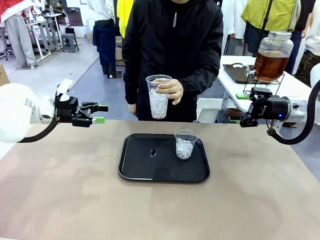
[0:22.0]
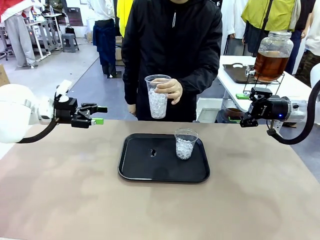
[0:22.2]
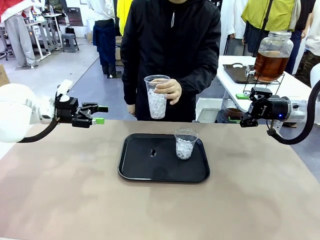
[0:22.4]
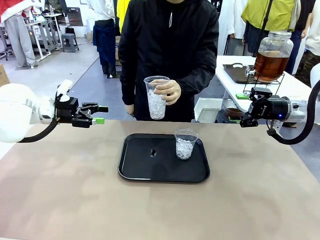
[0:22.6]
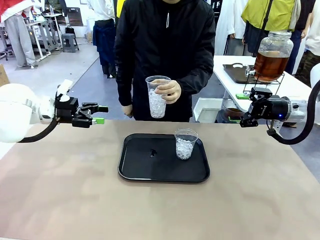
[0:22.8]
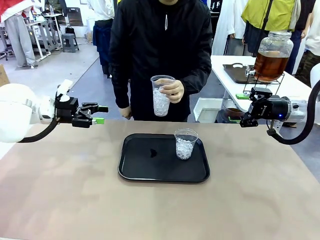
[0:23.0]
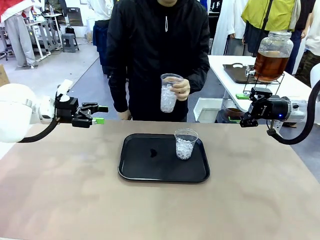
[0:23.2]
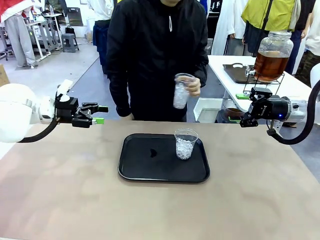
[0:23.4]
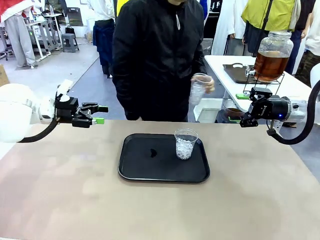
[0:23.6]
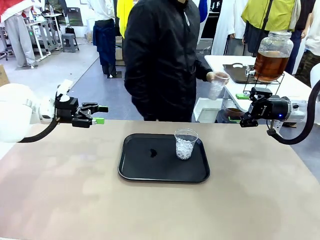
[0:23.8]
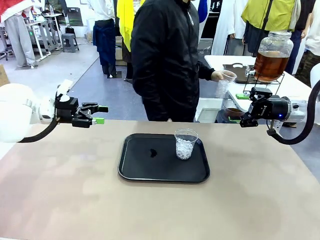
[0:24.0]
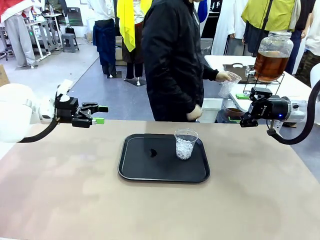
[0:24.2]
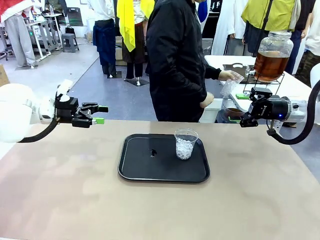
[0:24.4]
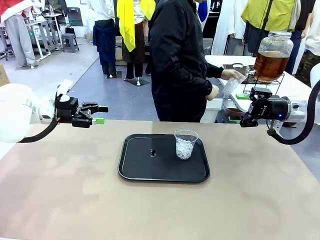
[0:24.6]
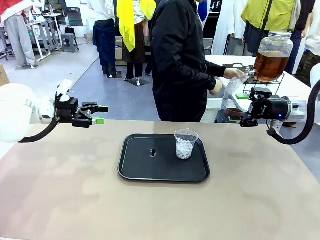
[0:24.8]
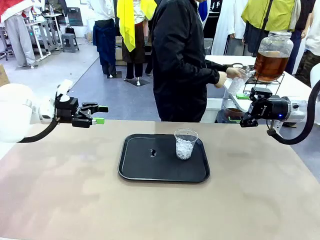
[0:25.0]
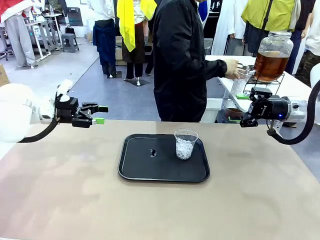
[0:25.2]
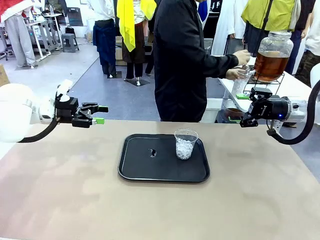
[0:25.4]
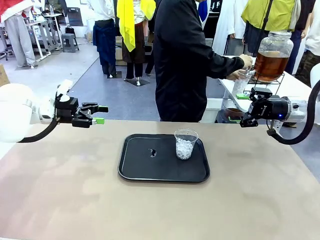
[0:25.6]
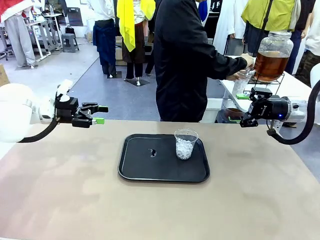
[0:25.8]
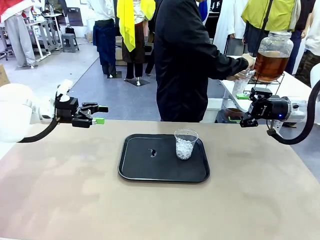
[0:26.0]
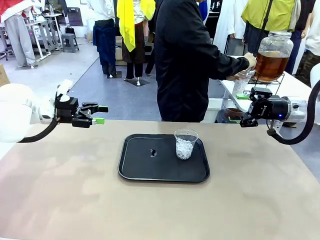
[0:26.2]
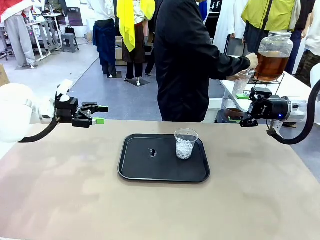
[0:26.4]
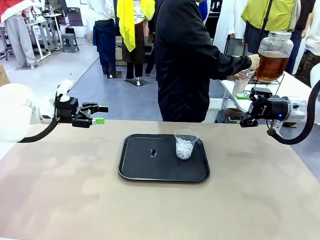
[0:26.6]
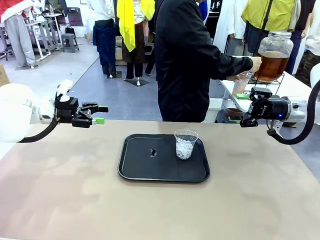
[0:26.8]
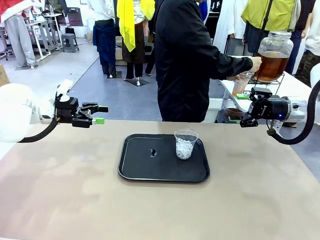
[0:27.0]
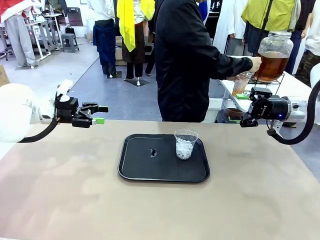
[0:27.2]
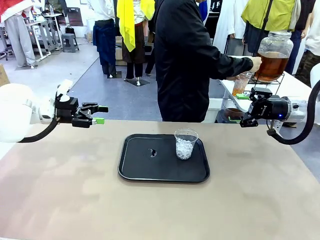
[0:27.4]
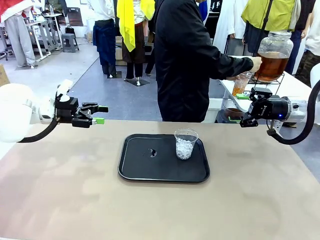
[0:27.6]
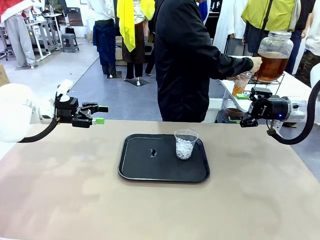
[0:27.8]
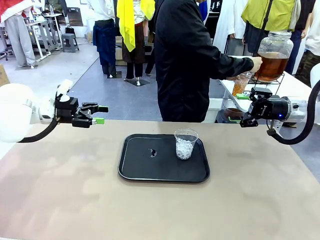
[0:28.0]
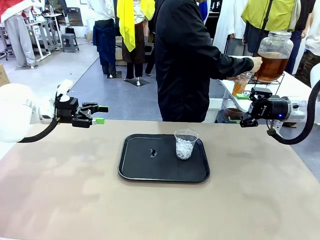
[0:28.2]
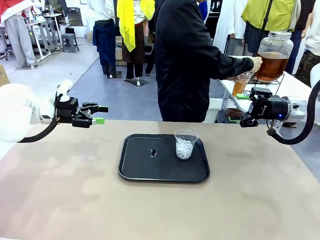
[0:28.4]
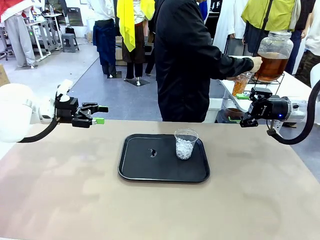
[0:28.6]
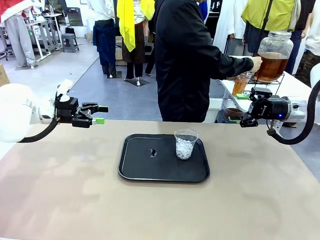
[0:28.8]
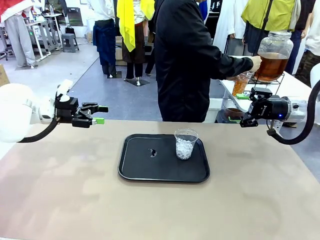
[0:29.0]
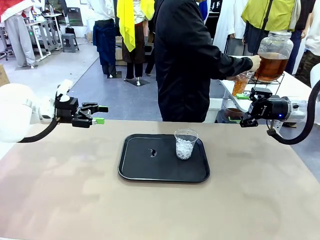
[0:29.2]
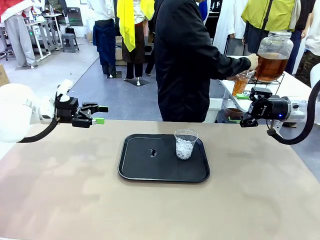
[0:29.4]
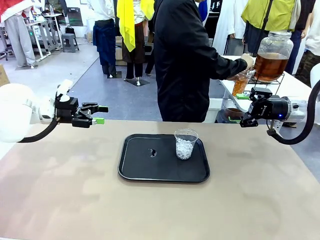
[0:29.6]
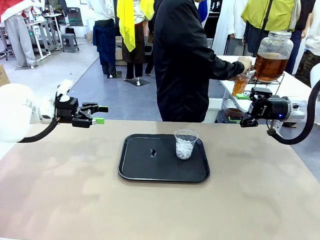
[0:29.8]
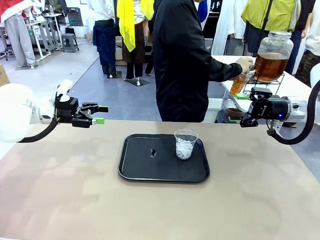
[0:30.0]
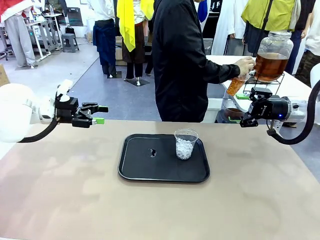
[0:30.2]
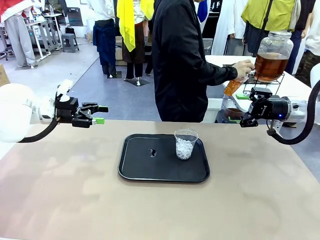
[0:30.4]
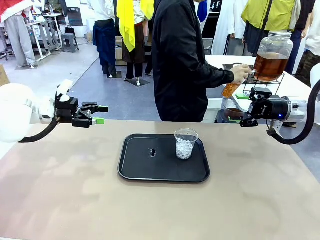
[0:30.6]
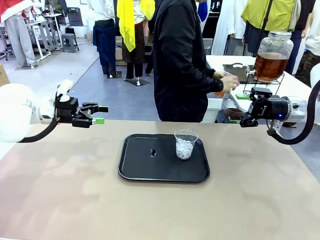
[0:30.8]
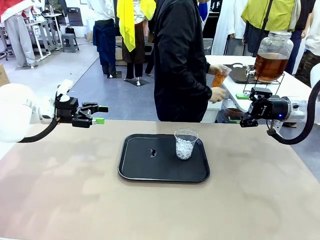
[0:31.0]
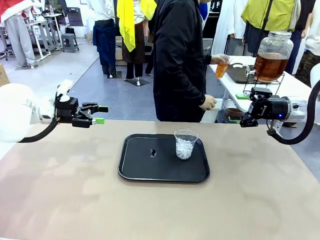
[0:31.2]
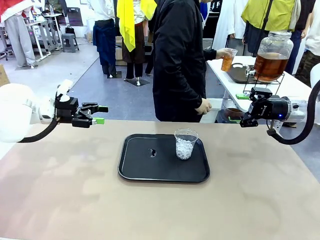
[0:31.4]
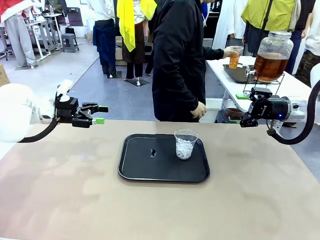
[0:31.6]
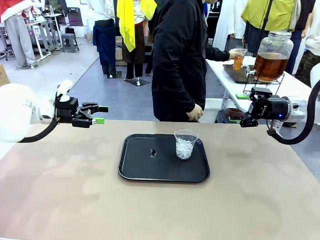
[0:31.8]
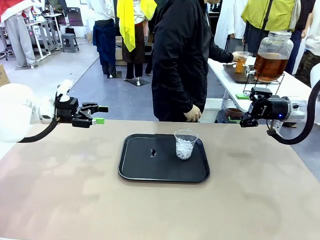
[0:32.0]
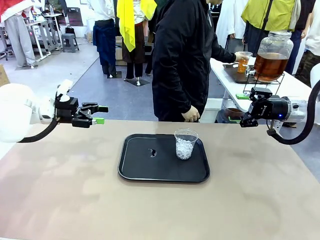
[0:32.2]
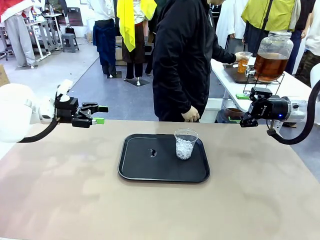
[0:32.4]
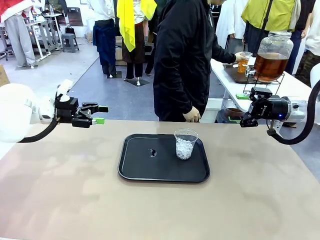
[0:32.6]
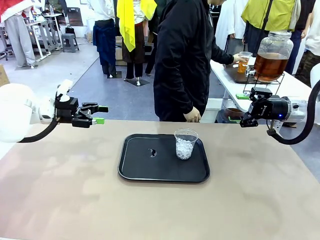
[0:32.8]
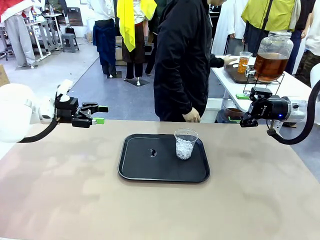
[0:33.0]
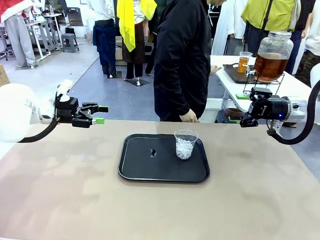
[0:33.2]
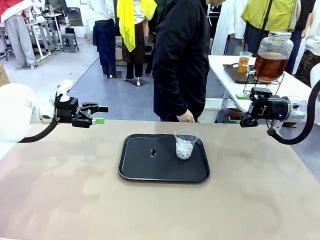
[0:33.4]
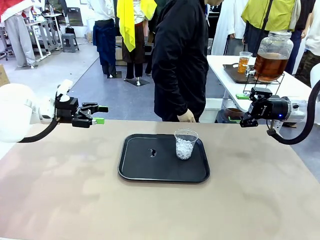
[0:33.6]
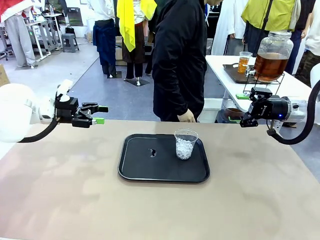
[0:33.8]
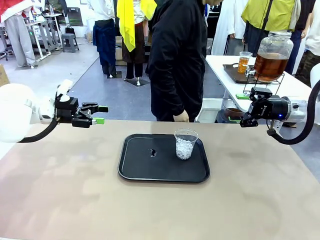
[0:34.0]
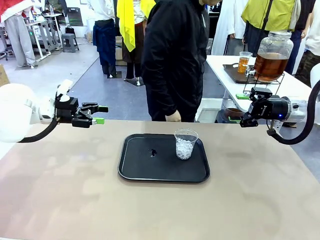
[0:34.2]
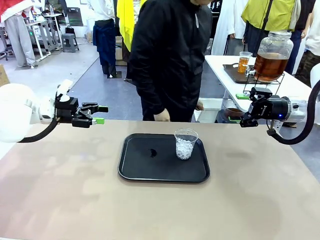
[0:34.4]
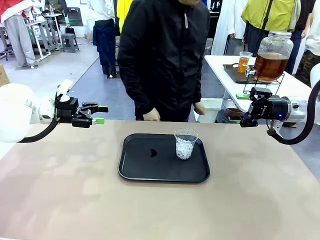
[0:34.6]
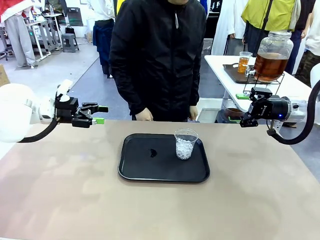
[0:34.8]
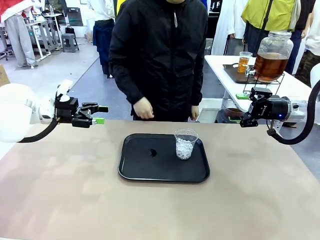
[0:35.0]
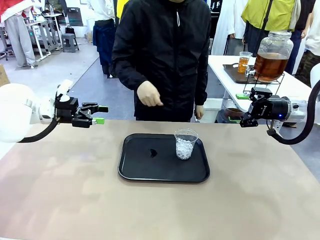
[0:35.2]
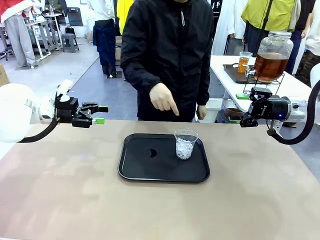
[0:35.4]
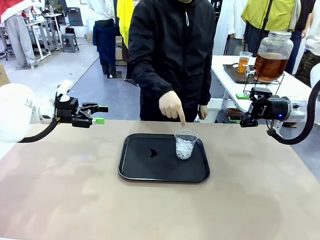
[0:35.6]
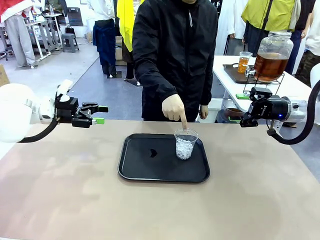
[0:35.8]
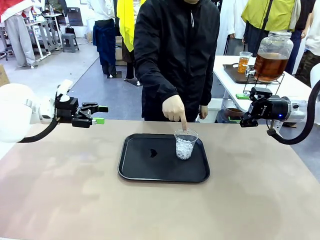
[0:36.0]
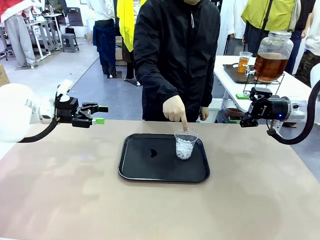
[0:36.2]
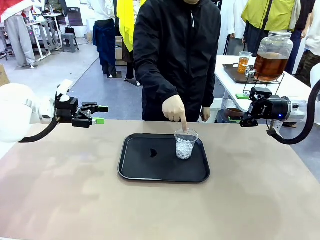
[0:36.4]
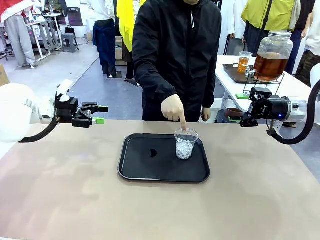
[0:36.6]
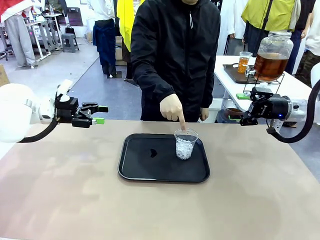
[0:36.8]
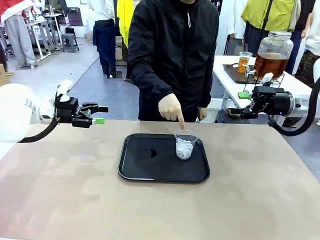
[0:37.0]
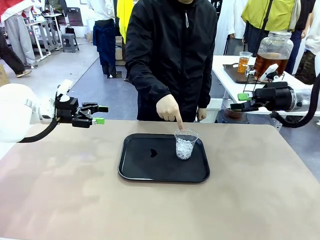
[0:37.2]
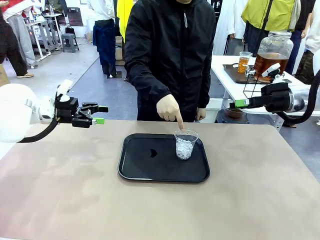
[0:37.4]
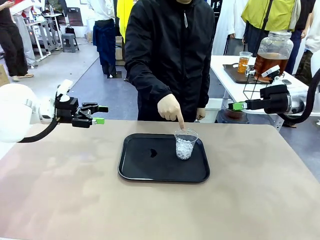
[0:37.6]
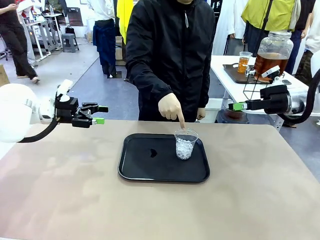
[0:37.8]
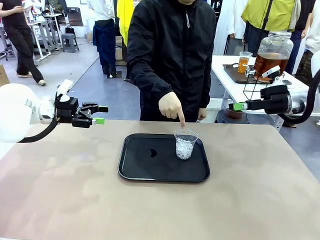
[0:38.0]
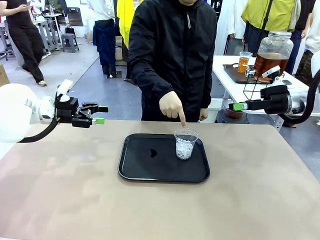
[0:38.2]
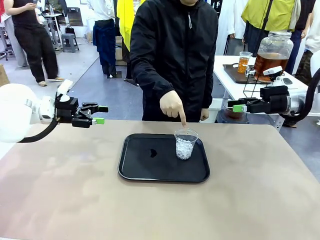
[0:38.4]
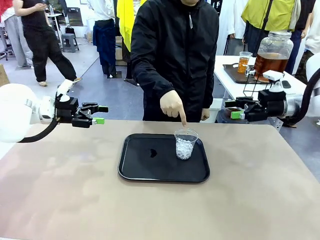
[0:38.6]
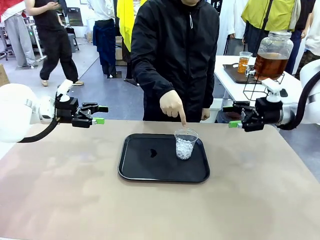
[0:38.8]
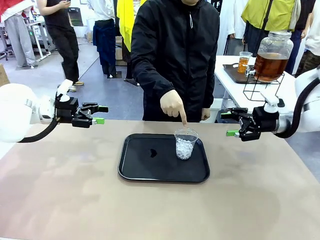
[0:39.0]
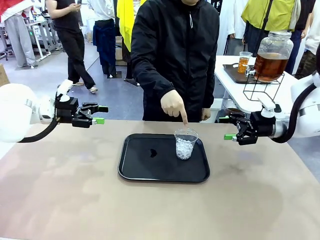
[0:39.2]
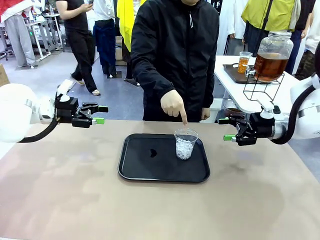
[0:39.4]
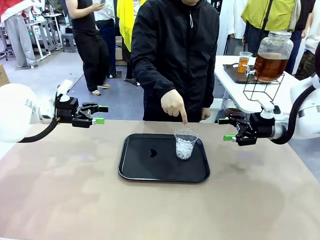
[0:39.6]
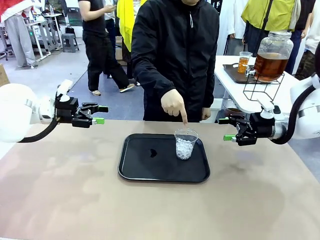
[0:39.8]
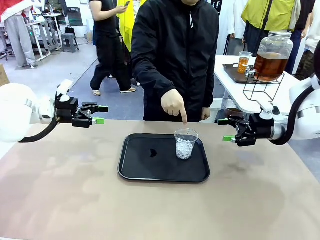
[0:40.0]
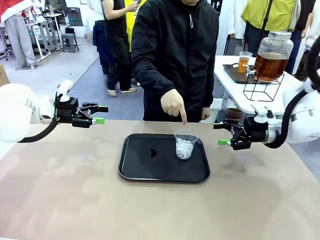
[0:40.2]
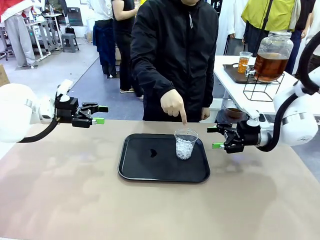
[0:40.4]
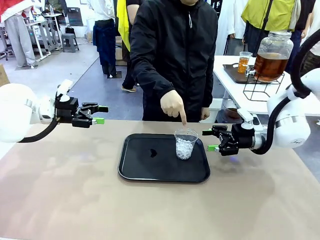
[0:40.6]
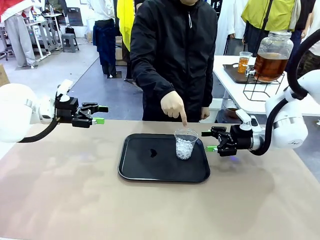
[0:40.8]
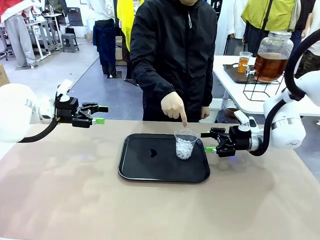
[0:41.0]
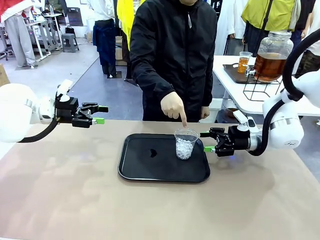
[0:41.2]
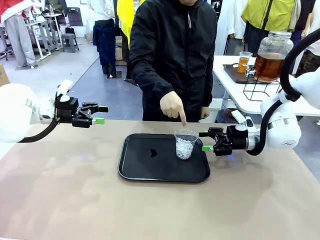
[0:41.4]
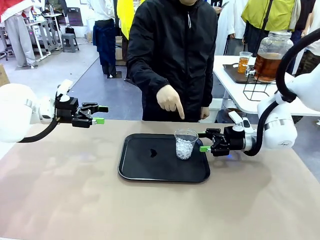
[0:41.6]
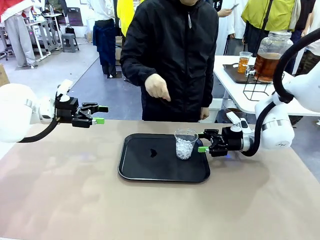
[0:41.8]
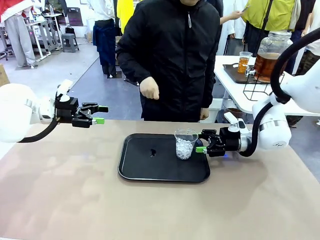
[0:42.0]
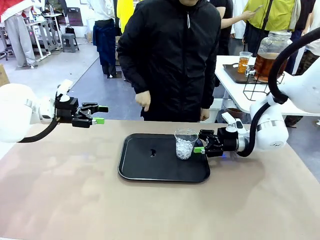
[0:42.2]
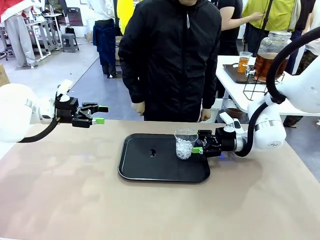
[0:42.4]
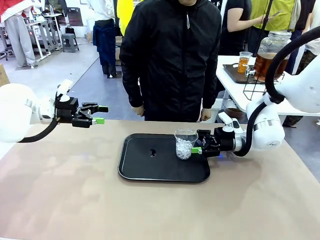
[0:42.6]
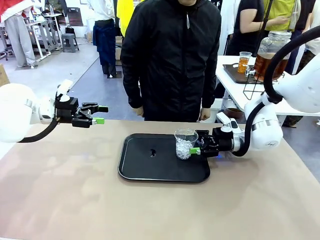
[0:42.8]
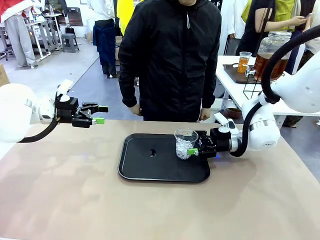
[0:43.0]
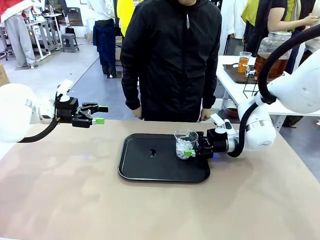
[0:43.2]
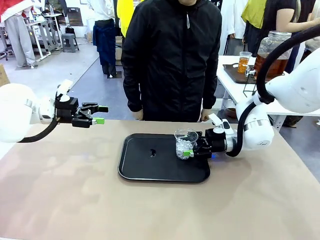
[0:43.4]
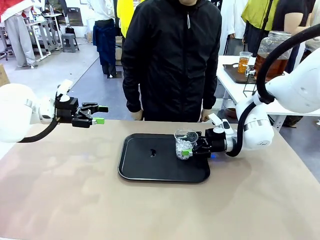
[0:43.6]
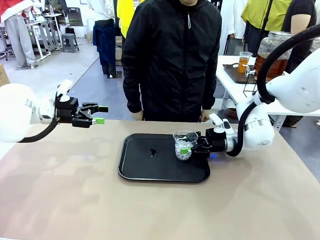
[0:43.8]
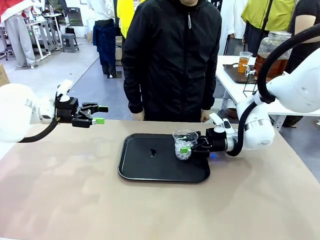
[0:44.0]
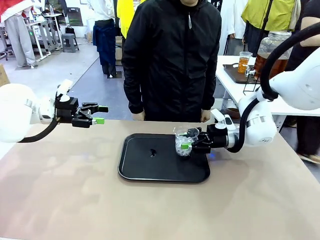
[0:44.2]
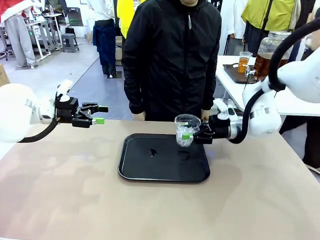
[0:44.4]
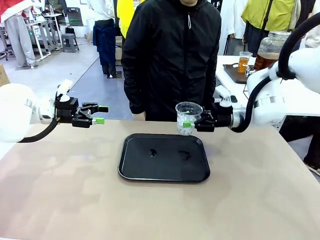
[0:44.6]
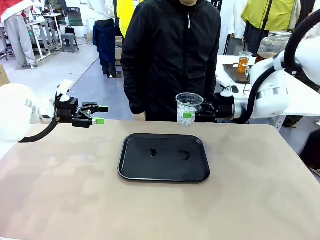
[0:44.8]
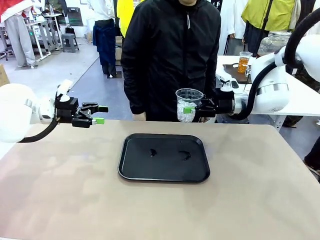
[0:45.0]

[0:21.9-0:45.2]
Task: Pour the drink into the iced cup.
Robot: Pick up the iced cup indicated by the human and present it to them.
Person: Move the picked-up cup under the dispenser faucet, pour the drink, and place it on the tray on the human table. Point to the remaining ice cup on the robot table. Pick up the cup offered by the robot.
